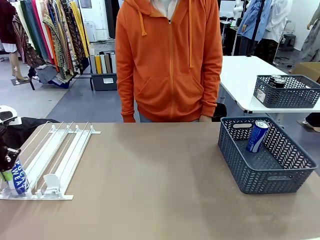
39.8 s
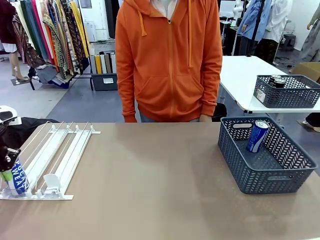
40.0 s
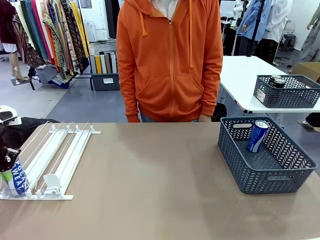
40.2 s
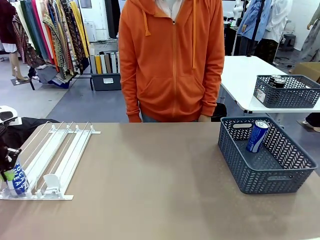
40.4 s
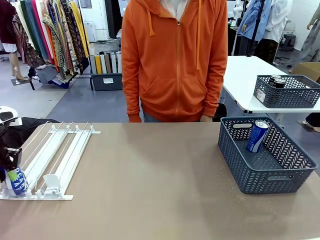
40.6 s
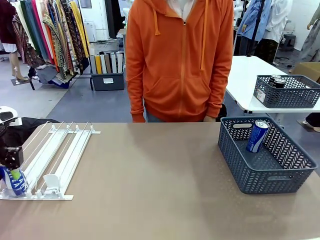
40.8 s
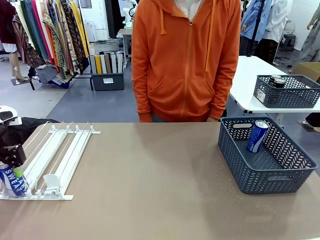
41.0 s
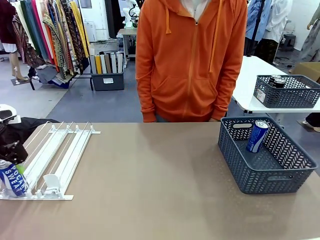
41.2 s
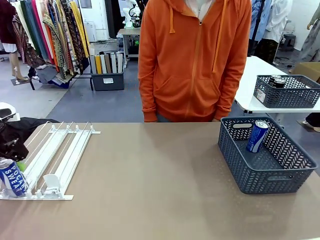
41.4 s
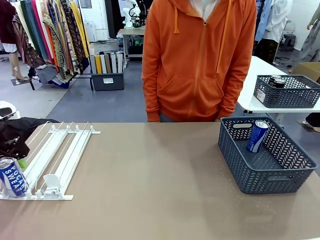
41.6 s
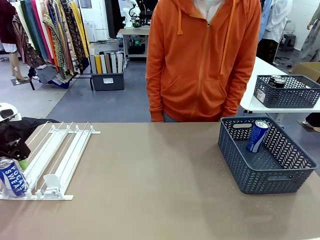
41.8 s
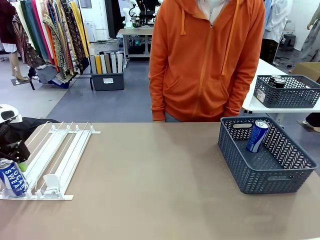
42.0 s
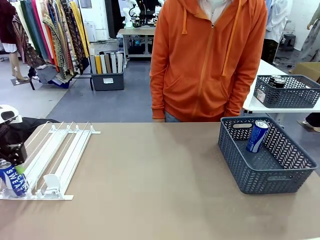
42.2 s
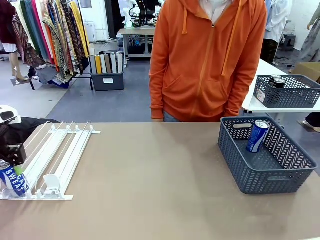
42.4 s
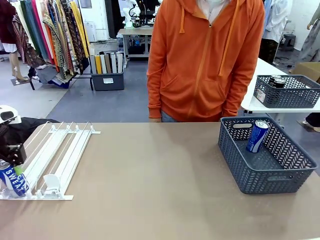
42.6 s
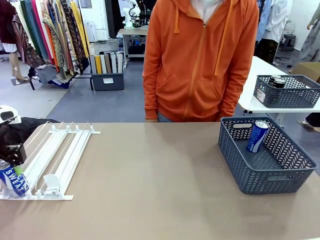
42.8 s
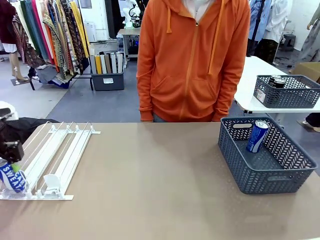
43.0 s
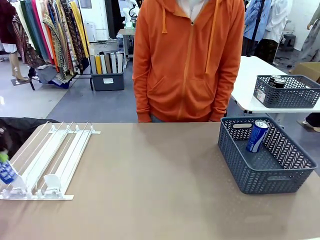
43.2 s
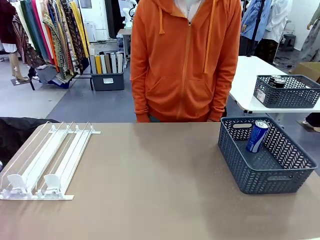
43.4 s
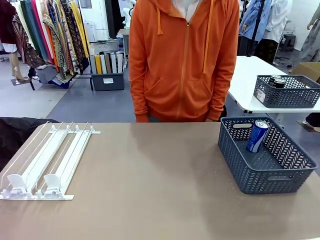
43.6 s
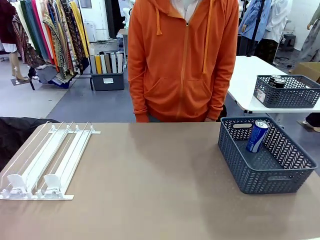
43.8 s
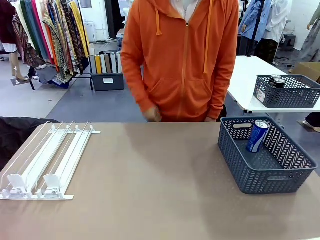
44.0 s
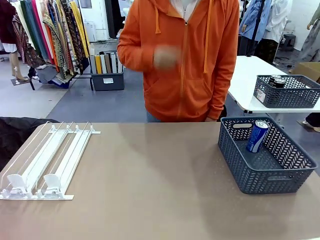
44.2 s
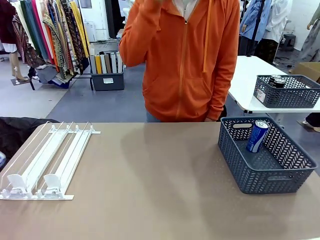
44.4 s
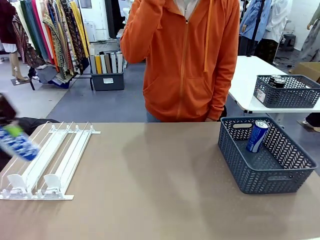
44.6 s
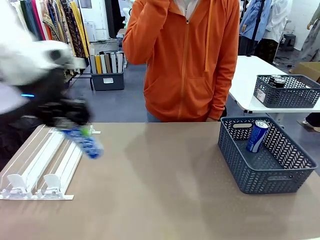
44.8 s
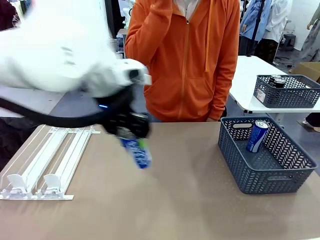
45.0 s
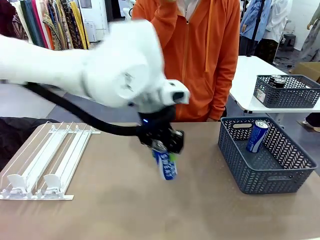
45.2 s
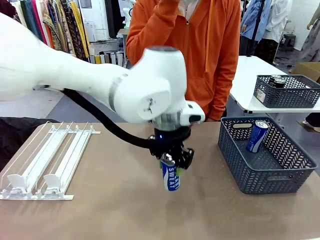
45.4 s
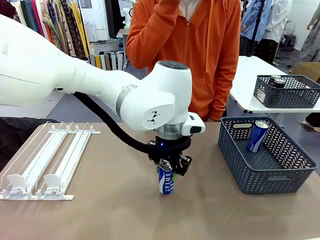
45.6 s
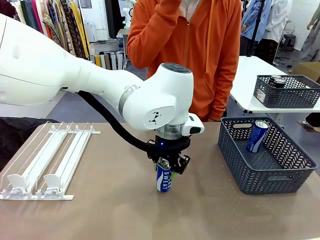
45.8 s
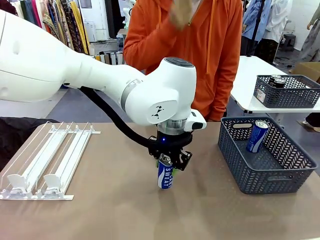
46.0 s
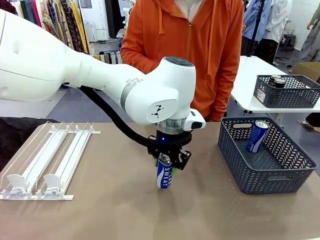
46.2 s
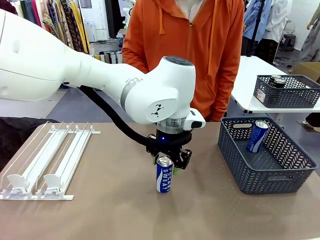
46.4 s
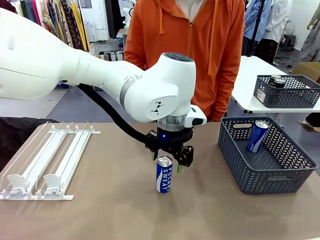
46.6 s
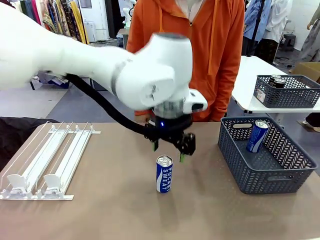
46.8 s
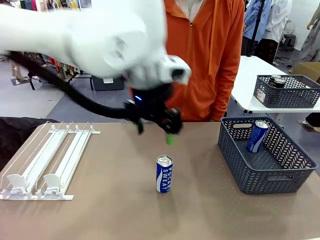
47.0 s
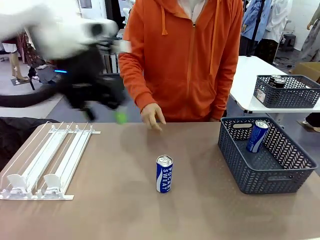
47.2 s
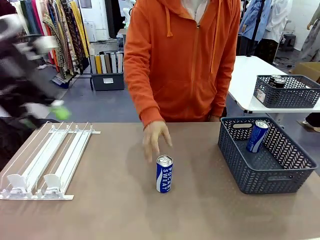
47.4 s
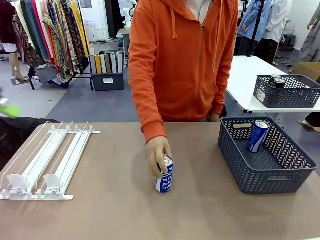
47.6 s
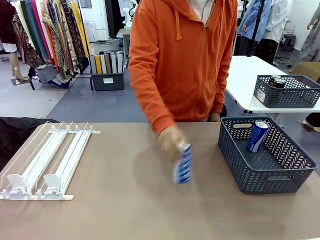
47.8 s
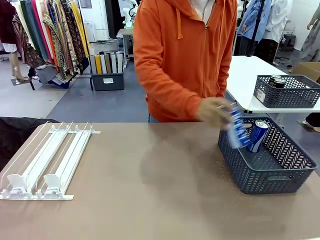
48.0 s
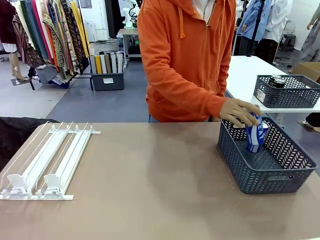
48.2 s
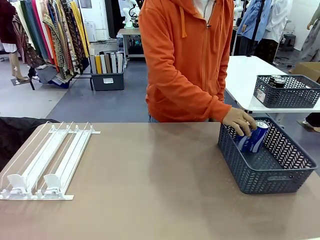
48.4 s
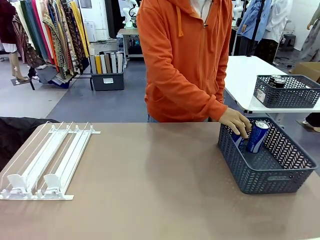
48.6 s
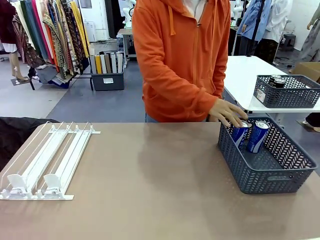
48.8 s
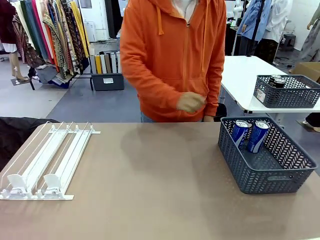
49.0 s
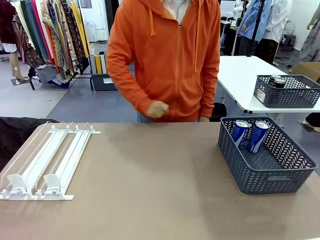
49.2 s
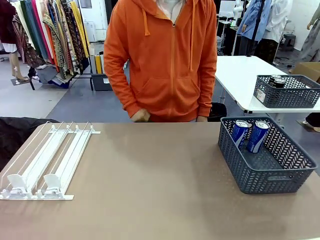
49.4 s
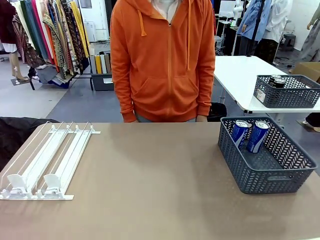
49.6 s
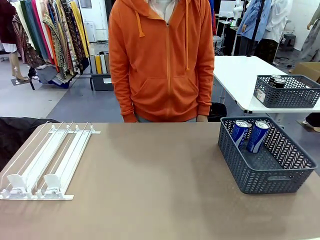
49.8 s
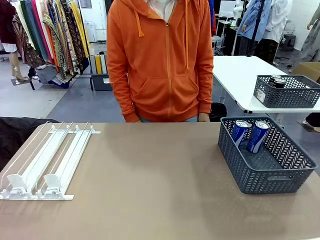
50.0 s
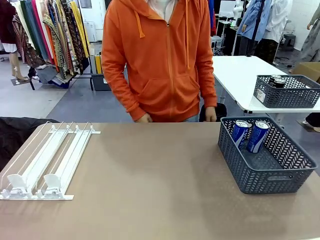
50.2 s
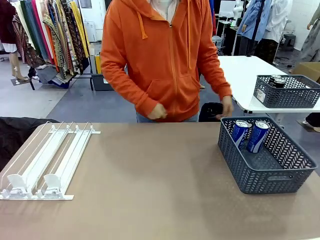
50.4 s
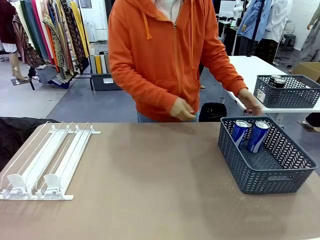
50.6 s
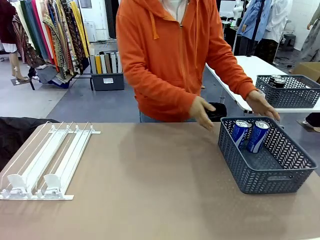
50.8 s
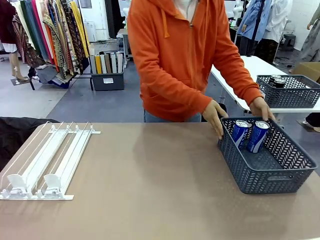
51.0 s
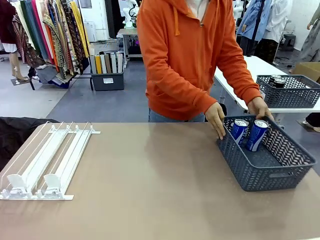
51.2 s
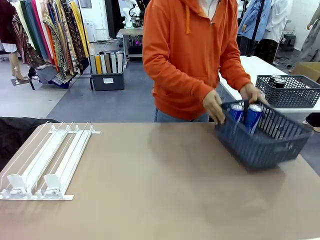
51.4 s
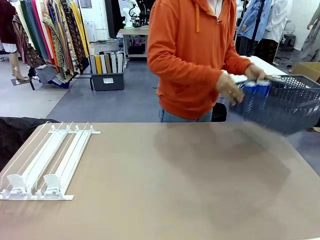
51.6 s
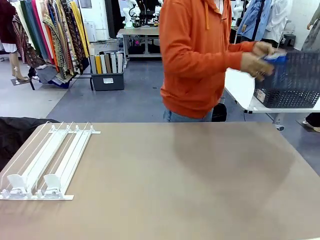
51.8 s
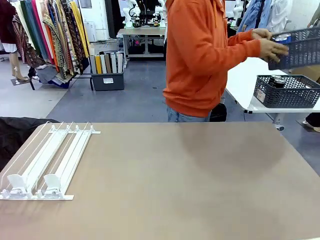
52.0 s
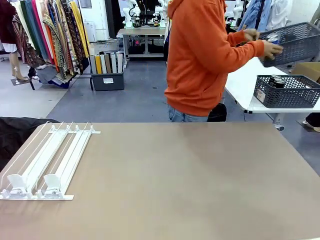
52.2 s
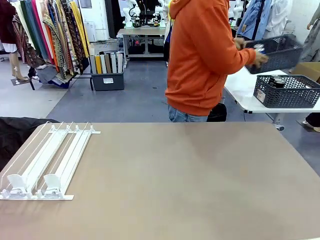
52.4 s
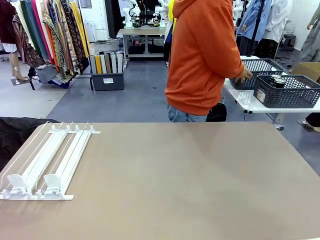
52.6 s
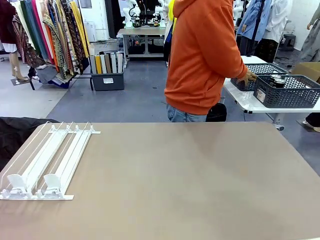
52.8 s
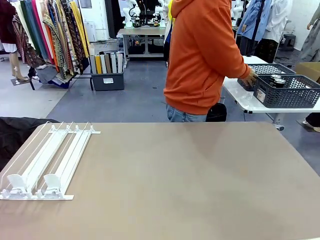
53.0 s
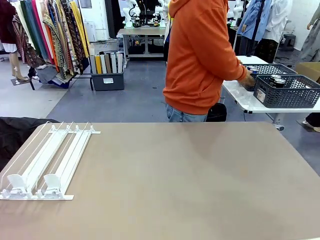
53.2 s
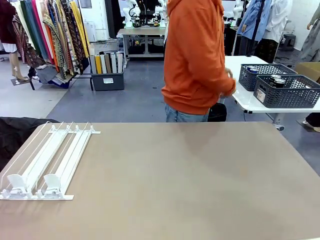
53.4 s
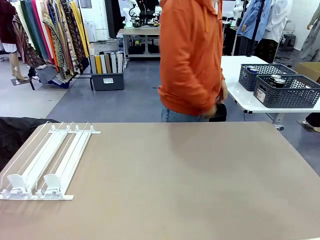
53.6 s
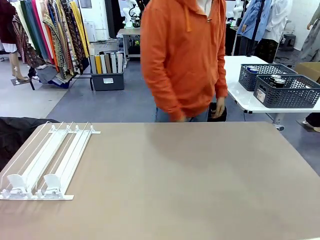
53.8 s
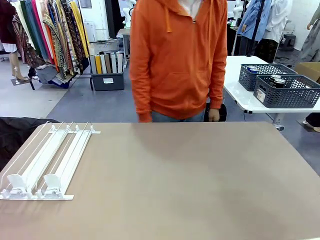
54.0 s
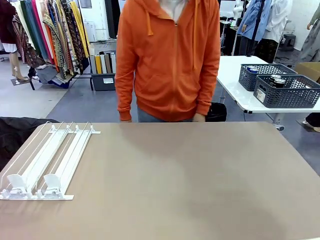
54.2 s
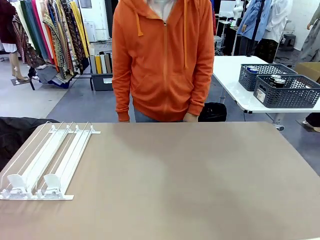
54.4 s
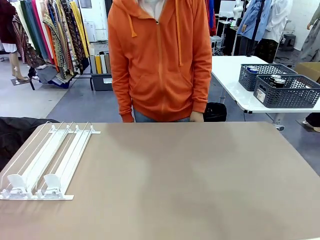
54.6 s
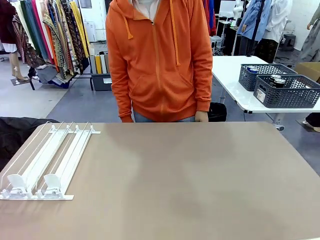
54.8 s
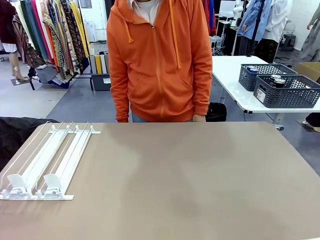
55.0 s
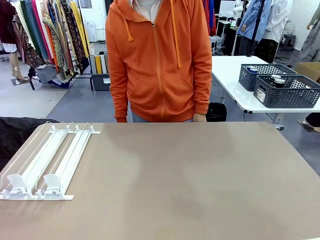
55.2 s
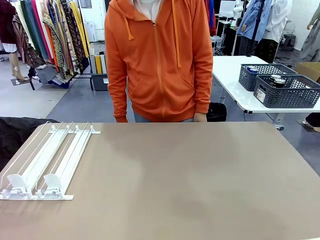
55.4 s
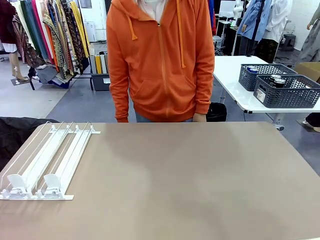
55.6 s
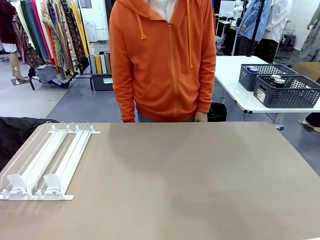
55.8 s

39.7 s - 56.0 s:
Task: Retrieve and store the cans from the dispenser.
Robot: Pick up one can from the Automatic Can Dispenser and place it in the middle of the table.
Person: Pick up one sports drink can from the middle of the robot table and place it in the basket. Pick up the basket and place it in the middle of the human table.
